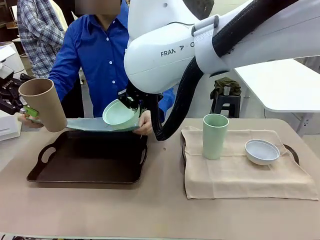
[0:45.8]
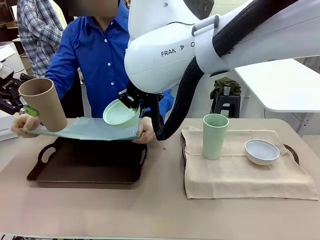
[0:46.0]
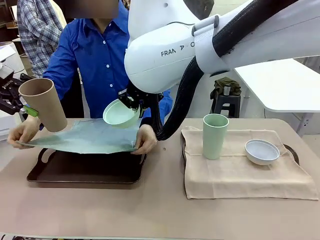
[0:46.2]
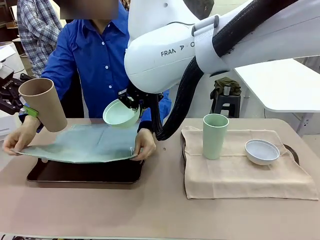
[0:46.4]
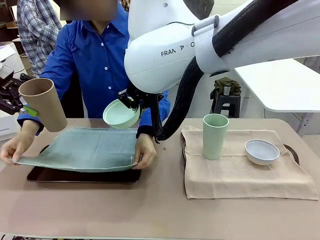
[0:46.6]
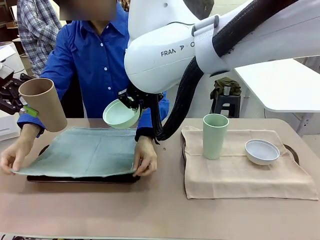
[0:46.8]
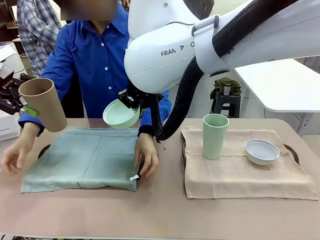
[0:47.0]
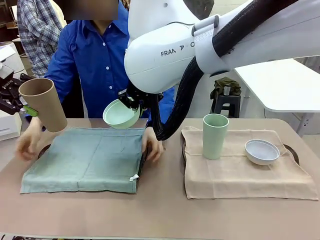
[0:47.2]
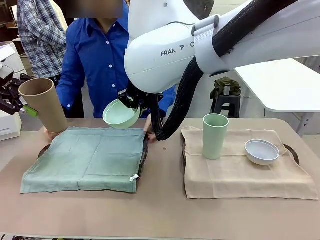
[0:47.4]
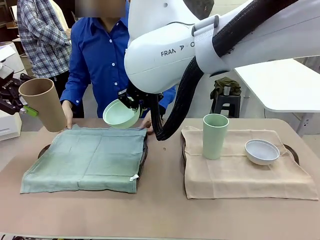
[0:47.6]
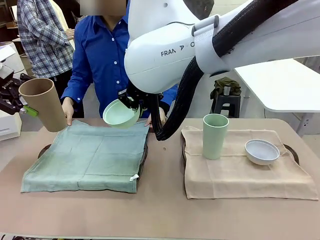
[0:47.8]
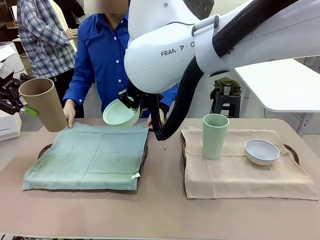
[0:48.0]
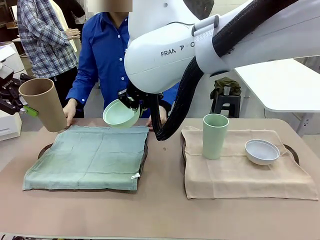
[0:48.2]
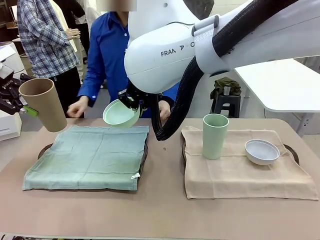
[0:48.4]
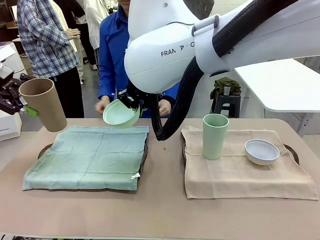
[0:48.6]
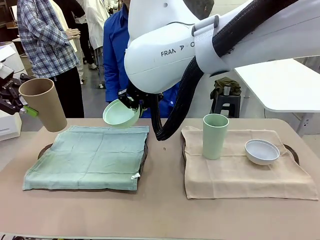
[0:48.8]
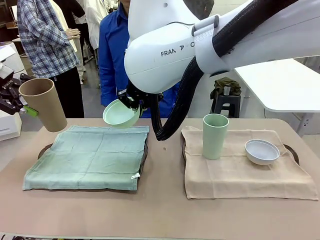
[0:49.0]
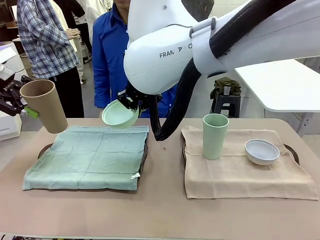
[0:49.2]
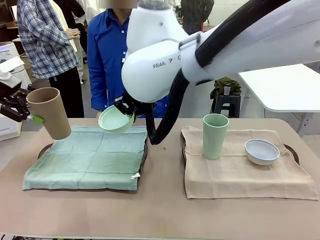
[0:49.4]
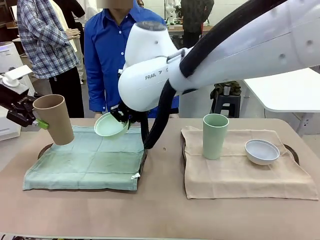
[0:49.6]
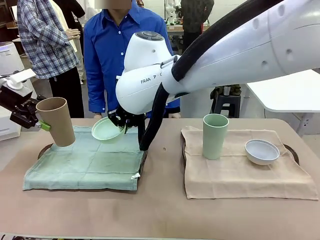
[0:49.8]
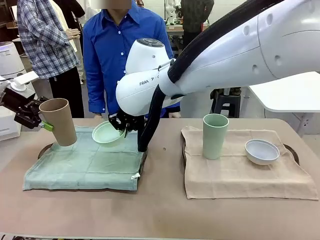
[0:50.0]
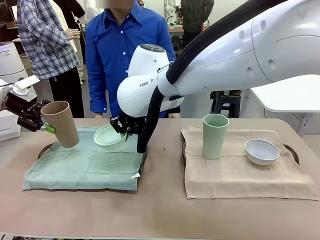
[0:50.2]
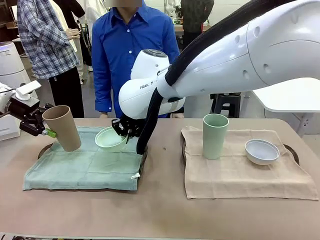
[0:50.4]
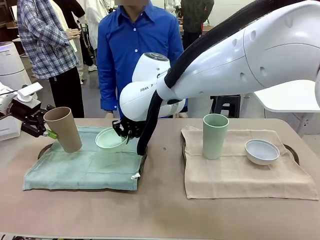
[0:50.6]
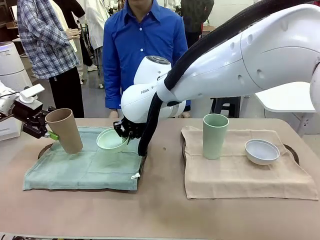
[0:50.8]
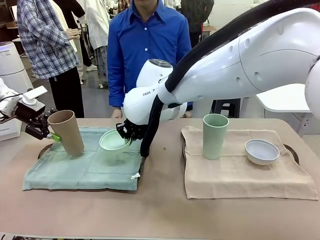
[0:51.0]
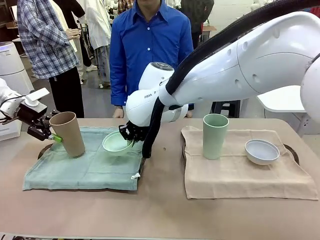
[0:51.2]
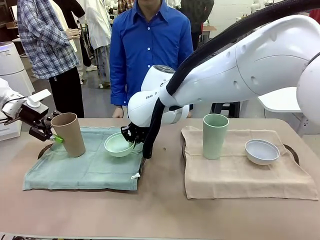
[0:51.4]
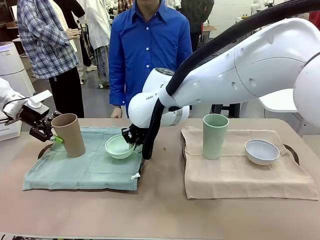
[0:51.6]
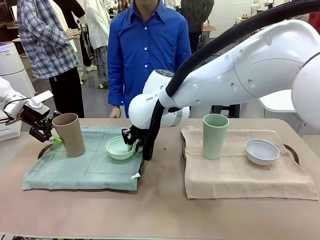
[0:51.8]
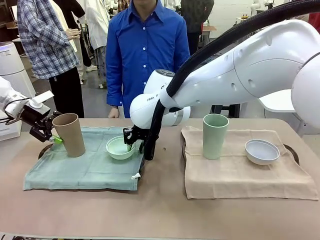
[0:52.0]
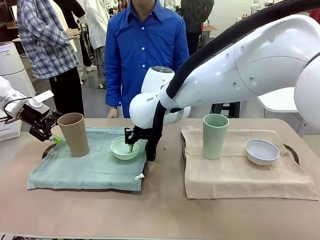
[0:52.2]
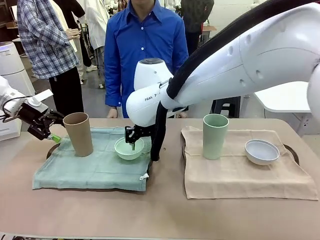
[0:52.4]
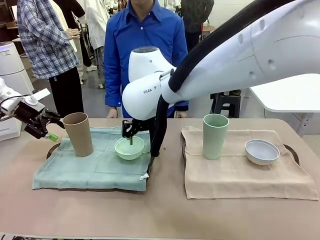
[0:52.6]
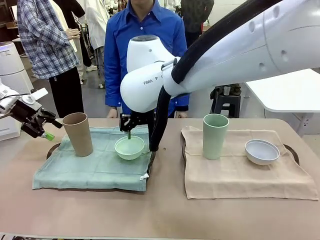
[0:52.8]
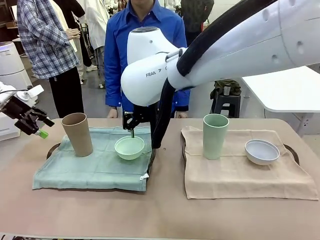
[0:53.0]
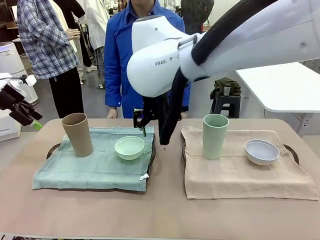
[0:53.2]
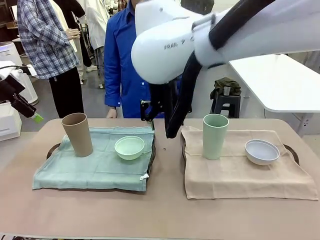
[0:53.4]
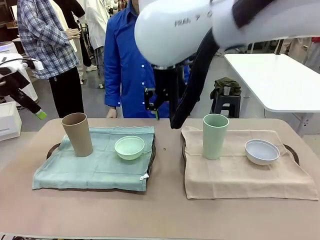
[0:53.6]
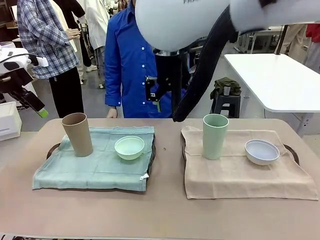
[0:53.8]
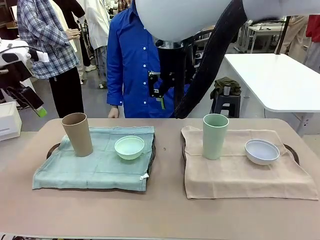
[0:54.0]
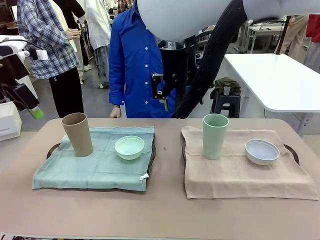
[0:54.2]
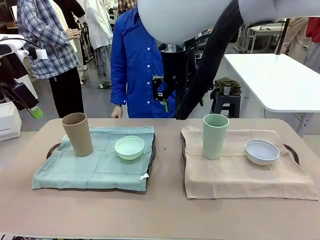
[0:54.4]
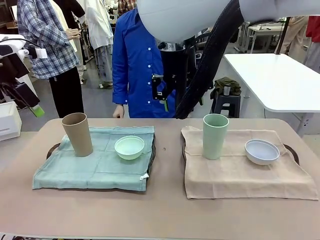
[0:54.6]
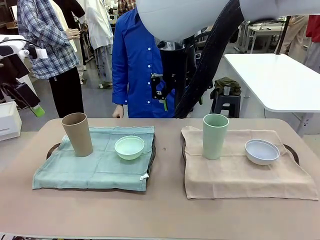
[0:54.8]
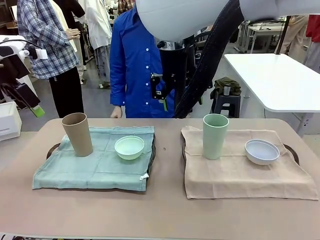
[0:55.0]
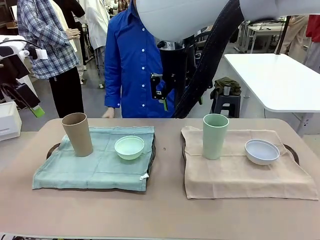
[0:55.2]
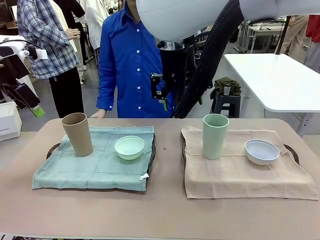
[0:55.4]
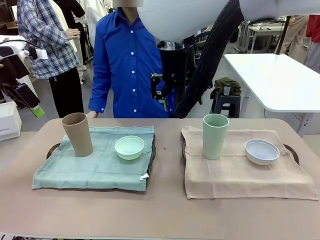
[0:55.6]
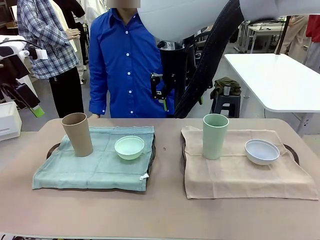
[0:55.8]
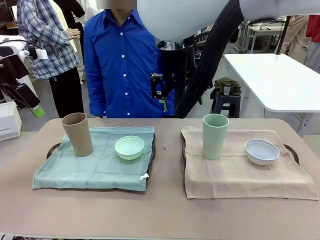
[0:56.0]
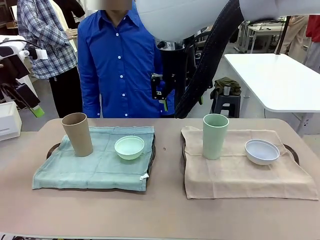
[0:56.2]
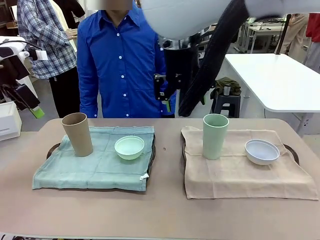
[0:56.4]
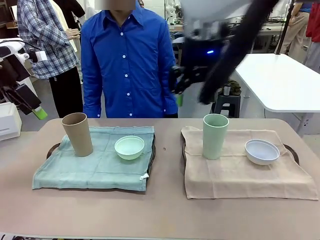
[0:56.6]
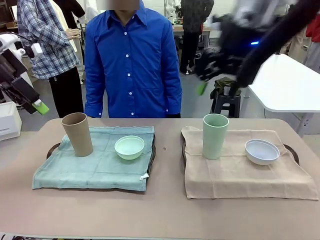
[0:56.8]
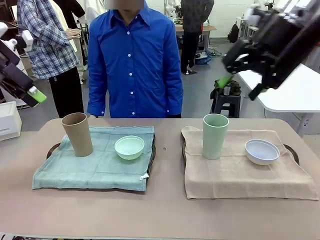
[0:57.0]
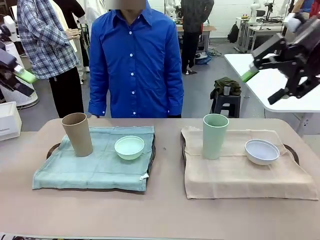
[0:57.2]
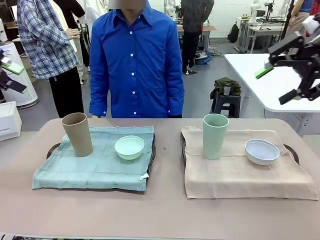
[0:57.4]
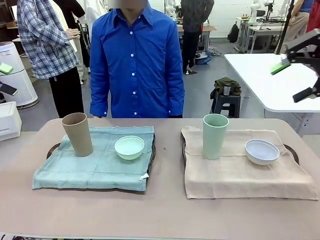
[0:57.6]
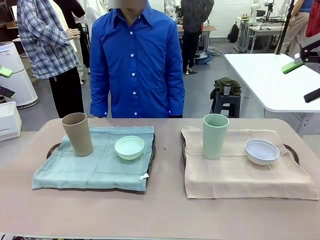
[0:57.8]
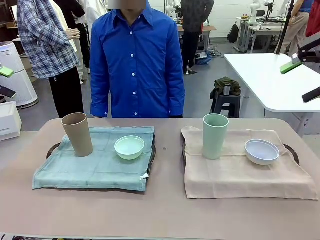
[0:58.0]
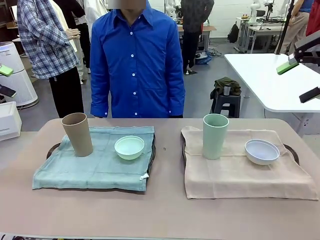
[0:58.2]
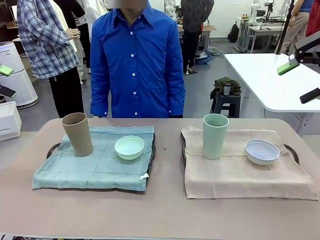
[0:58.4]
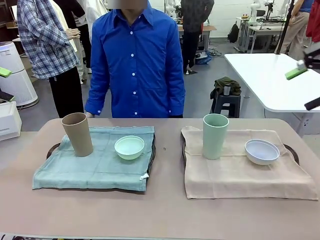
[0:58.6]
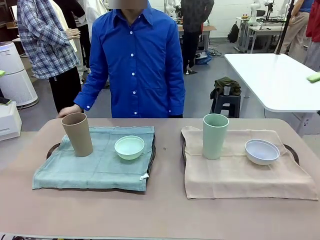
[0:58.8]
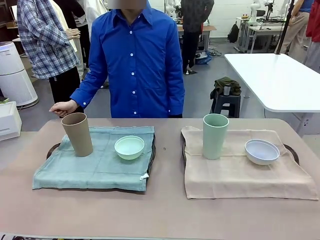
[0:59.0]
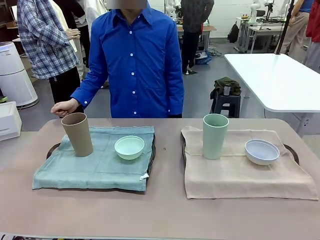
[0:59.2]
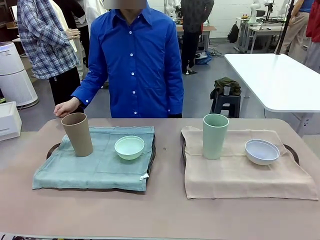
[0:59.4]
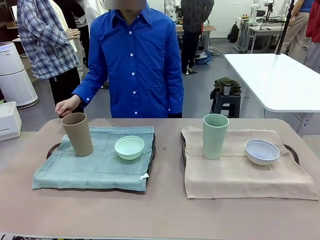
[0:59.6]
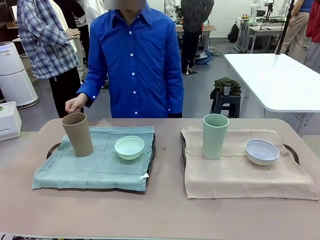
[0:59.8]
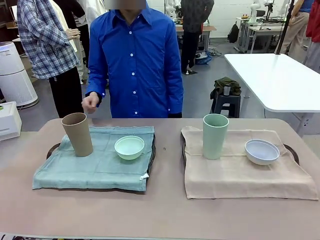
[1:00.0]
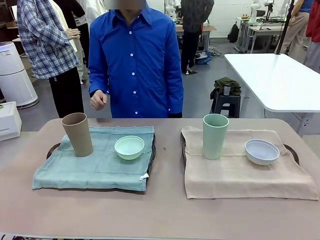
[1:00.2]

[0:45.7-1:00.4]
Robot: Place the Picnic Bowl and Reusable plastic cup back onto the Handle tray in front of the human's position.
Person: When the robot lifts the bowl and the cup, the human unfolds the napkin and lays the napkin flat on the tray.

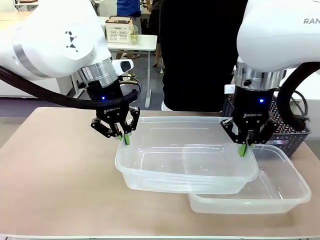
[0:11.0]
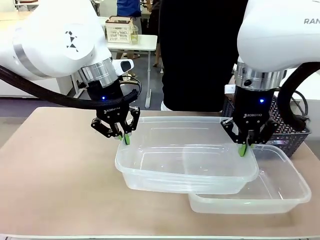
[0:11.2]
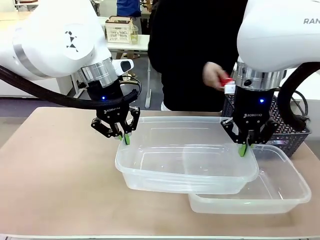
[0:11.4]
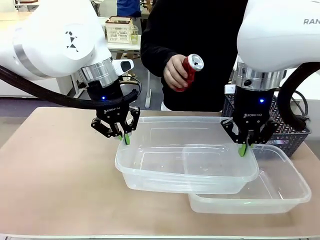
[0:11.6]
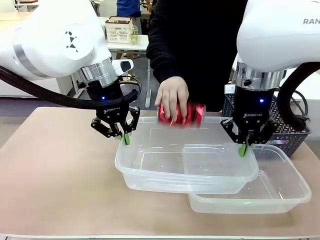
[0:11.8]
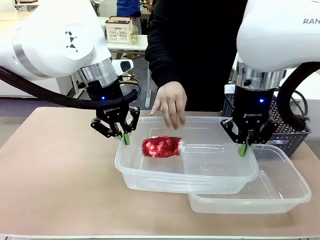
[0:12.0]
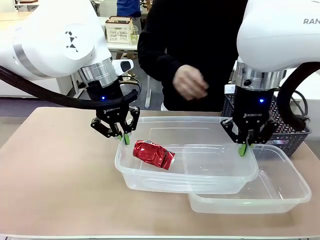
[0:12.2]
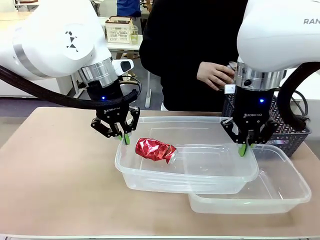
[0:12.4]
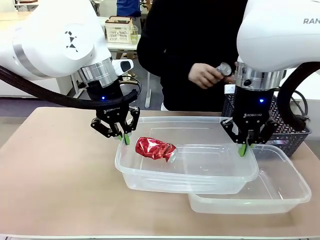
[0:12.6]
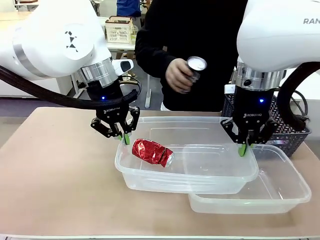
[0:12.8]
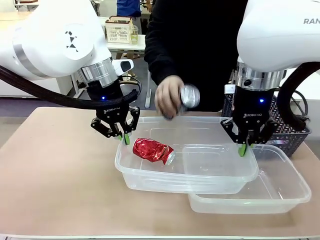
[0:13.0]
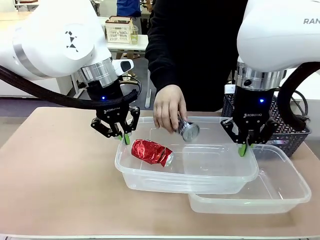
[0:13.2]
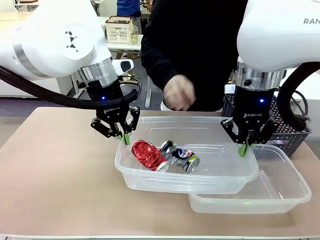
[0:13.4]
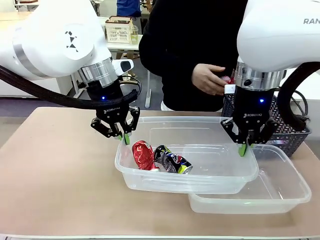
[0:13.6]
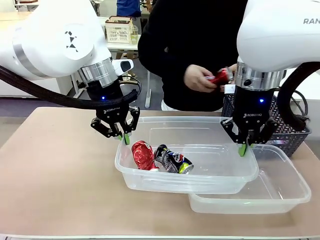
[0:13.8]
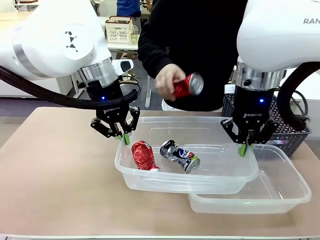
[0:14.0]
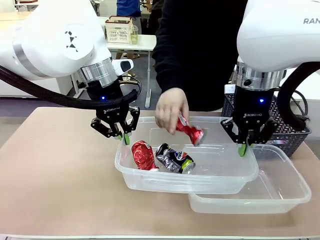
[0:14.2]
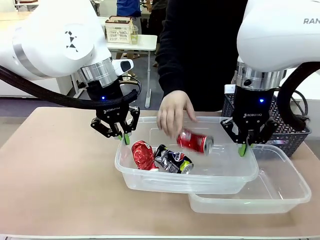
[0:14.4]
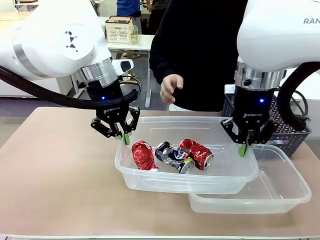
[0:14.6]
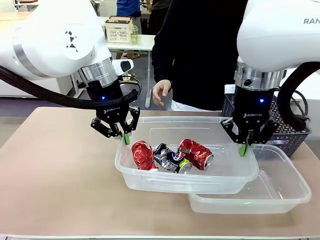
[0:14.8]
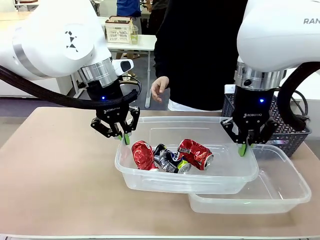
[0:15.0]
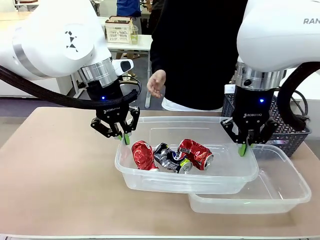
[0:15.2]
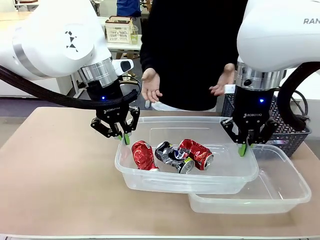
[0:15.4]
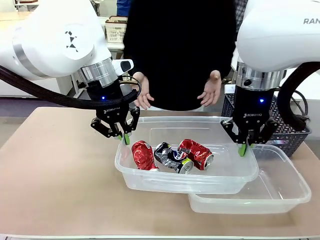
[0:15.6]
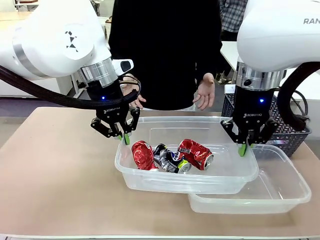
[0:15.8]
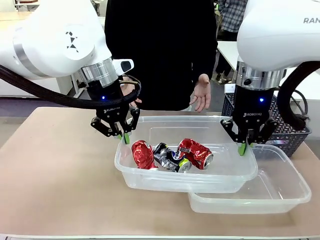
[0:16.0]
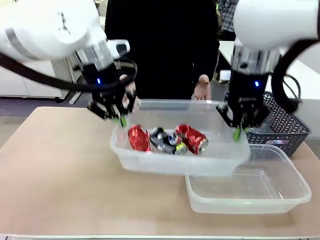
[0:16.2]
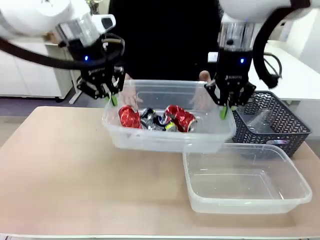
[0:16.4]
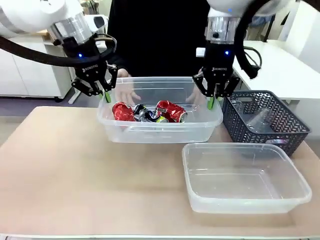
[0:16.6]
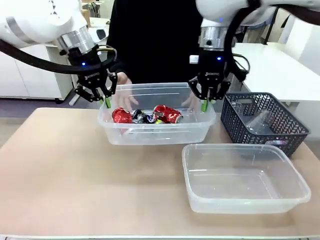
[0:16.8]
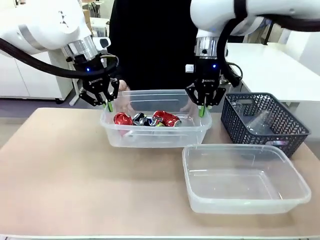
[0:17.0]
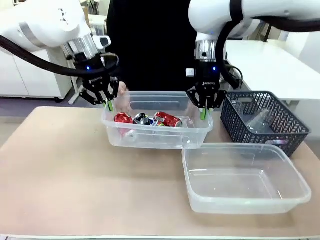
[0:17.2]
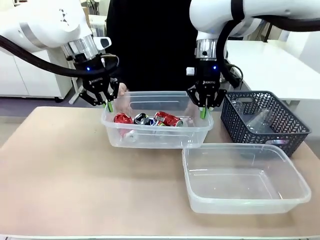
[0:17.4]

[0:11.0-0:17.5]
Robot: Offer the picked Organizing box to the human.

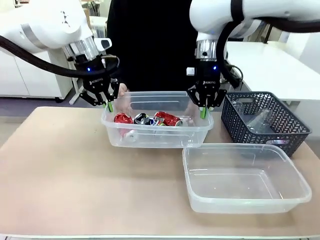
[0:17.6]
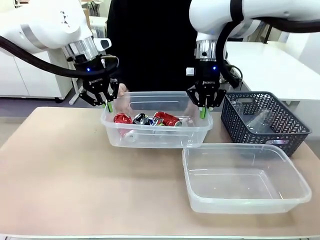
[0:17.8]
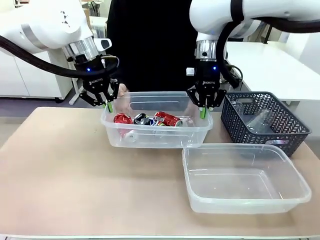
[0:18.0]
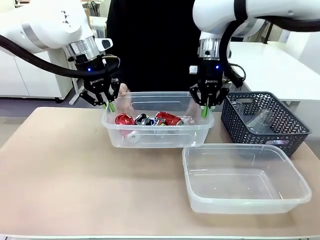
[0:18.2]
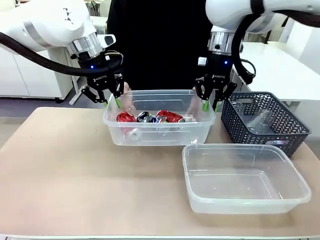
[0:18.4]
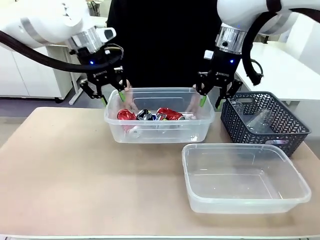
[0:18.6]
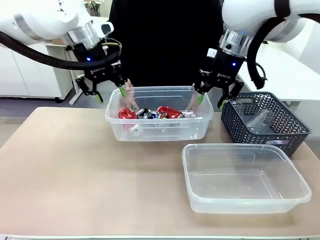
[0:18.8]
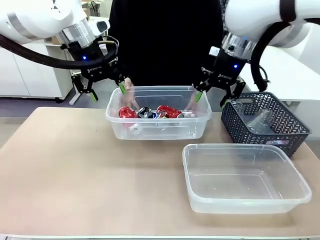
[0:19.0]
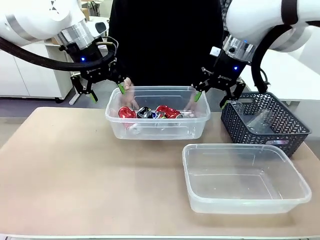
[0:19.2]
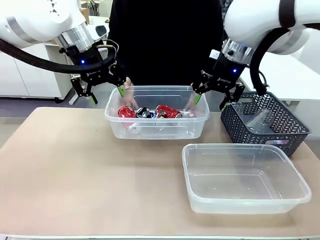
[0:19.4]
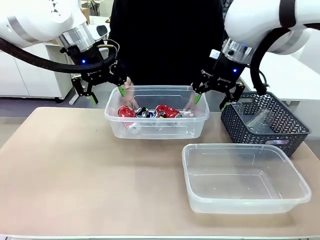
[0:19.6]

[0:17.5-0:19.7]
Robot: Release the Organizing box you were holding.
